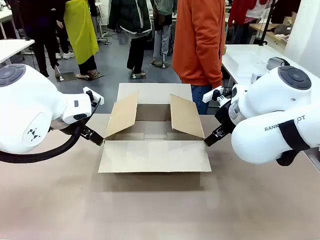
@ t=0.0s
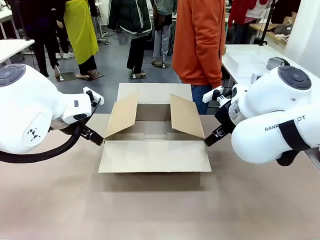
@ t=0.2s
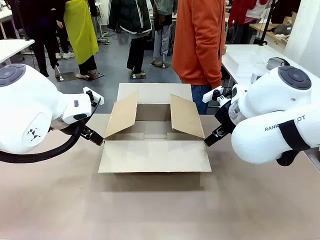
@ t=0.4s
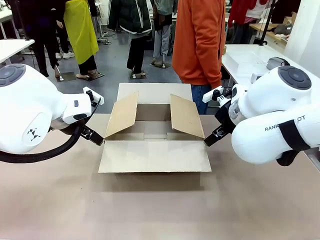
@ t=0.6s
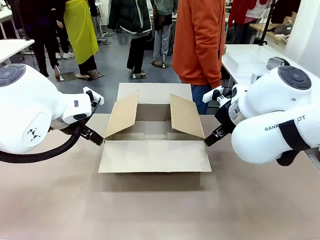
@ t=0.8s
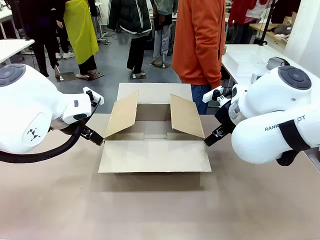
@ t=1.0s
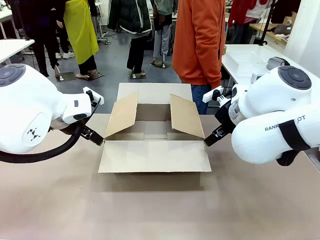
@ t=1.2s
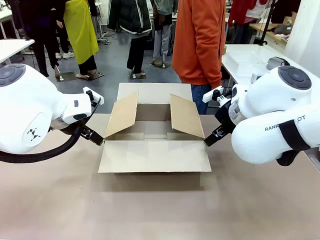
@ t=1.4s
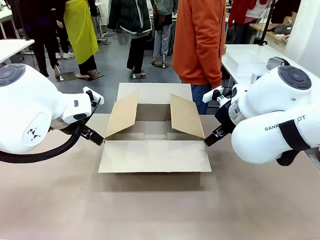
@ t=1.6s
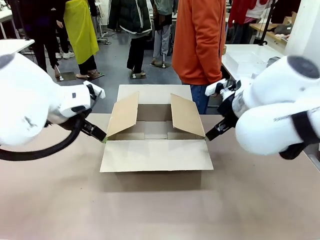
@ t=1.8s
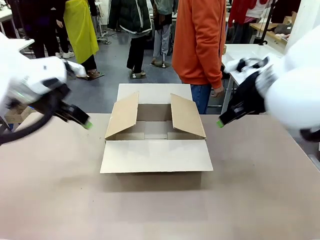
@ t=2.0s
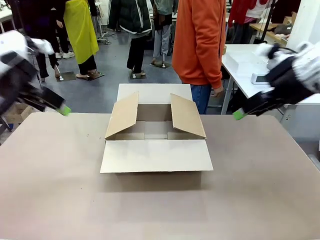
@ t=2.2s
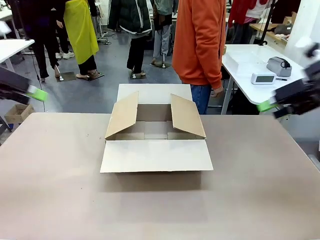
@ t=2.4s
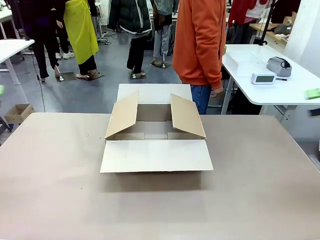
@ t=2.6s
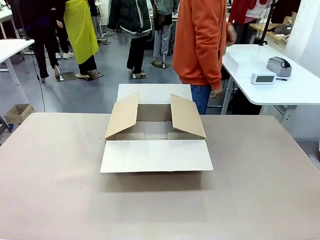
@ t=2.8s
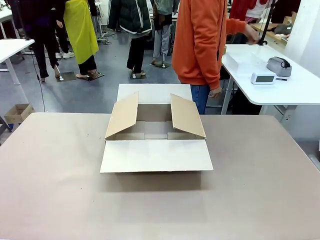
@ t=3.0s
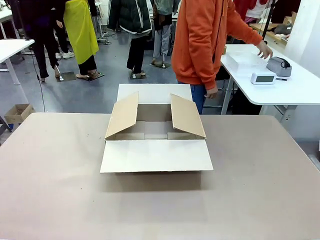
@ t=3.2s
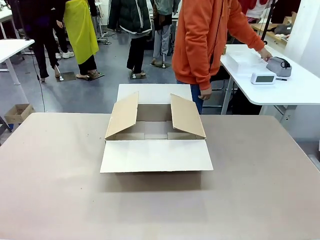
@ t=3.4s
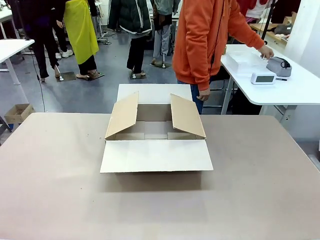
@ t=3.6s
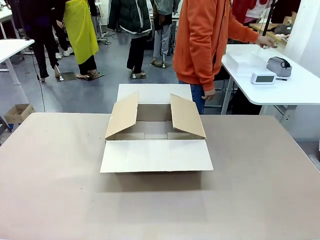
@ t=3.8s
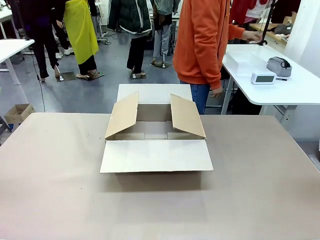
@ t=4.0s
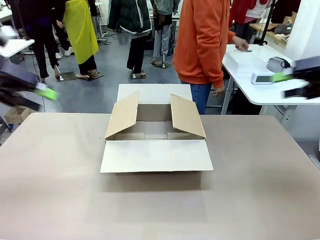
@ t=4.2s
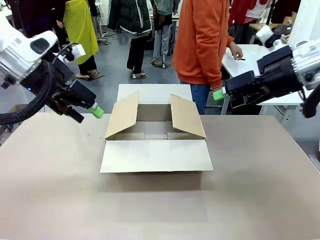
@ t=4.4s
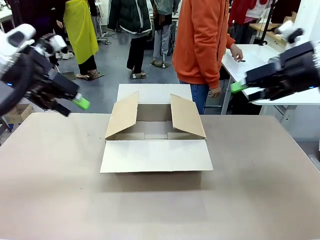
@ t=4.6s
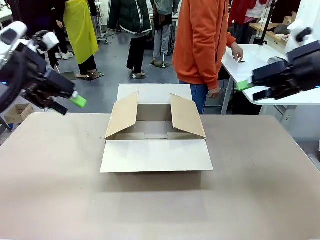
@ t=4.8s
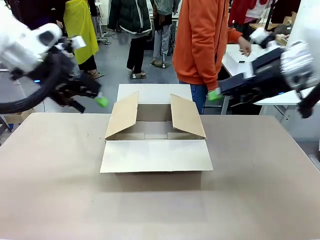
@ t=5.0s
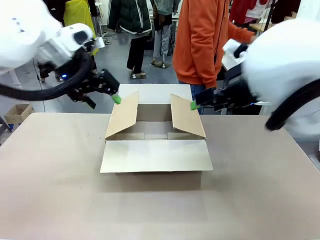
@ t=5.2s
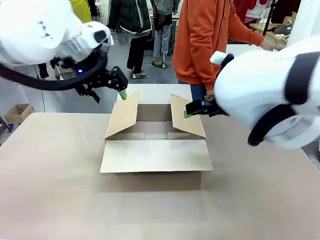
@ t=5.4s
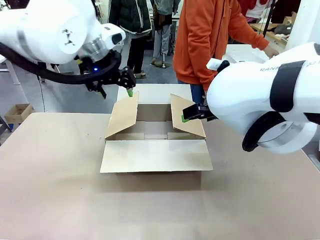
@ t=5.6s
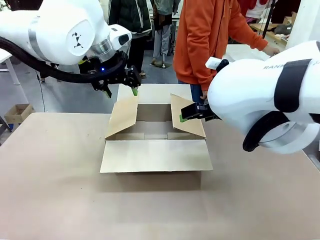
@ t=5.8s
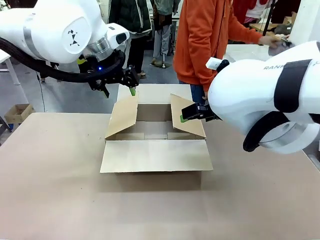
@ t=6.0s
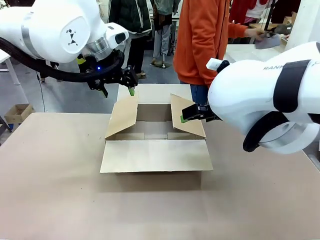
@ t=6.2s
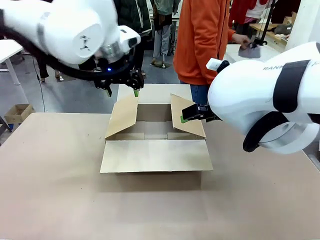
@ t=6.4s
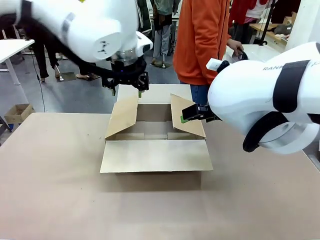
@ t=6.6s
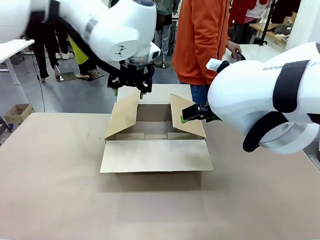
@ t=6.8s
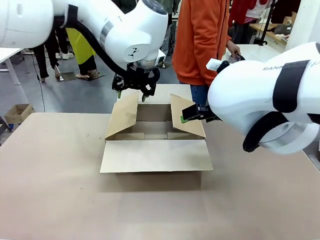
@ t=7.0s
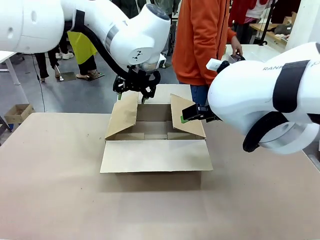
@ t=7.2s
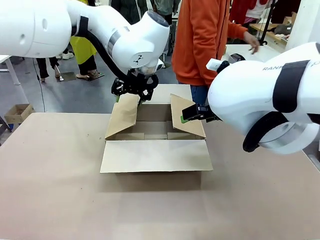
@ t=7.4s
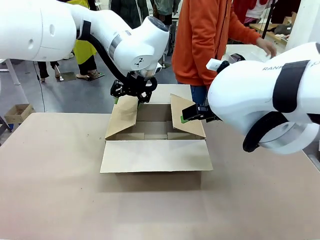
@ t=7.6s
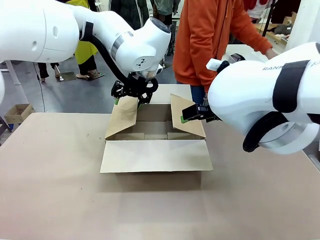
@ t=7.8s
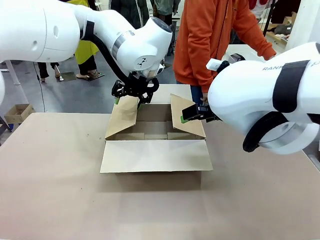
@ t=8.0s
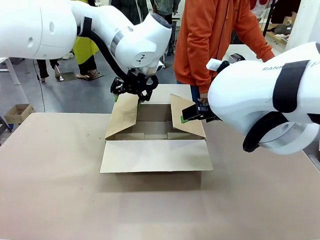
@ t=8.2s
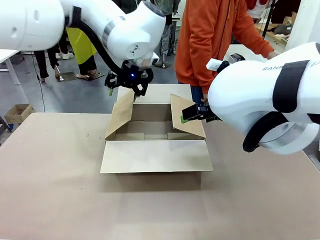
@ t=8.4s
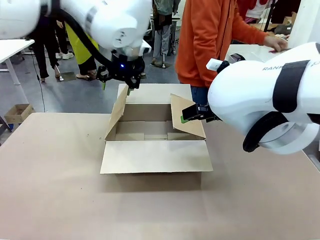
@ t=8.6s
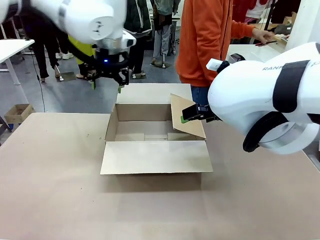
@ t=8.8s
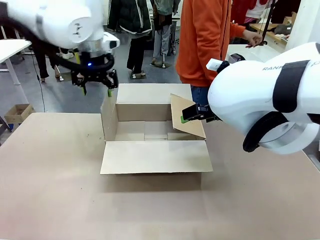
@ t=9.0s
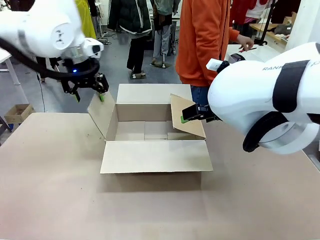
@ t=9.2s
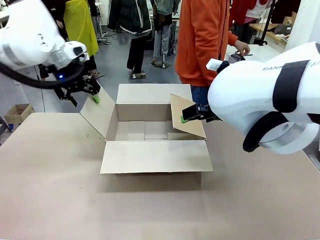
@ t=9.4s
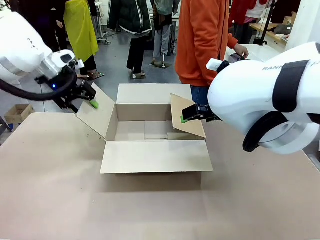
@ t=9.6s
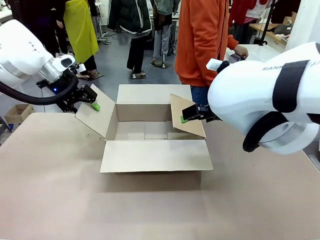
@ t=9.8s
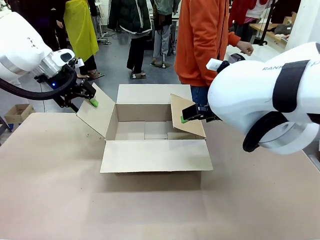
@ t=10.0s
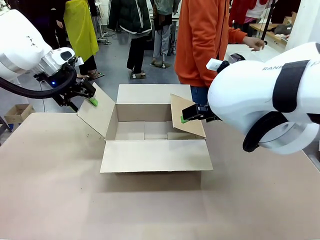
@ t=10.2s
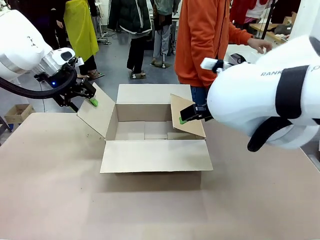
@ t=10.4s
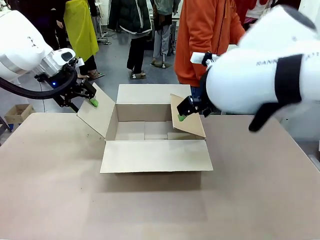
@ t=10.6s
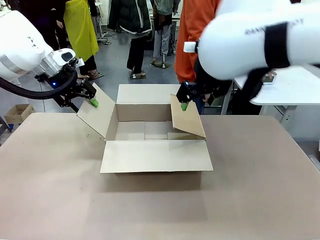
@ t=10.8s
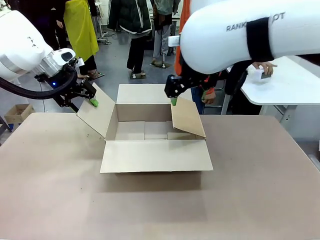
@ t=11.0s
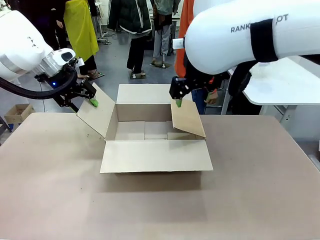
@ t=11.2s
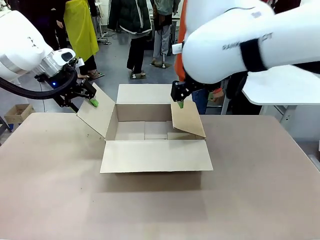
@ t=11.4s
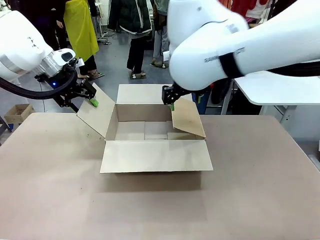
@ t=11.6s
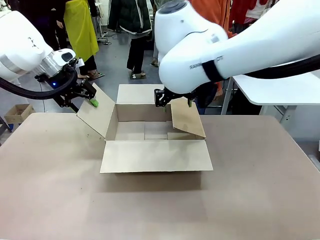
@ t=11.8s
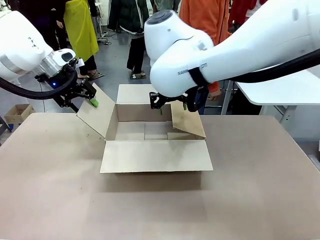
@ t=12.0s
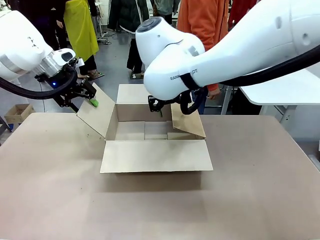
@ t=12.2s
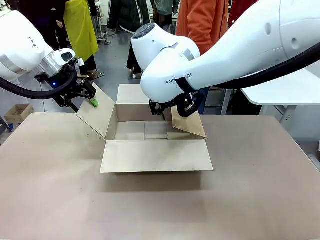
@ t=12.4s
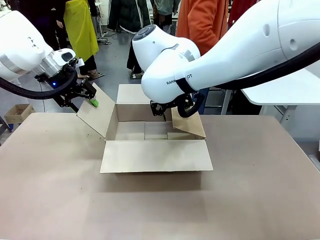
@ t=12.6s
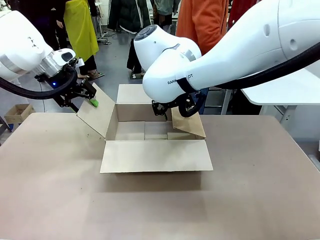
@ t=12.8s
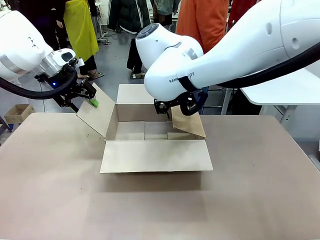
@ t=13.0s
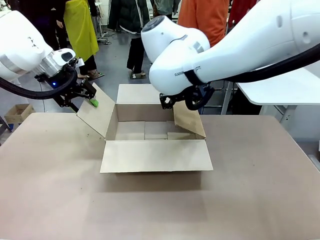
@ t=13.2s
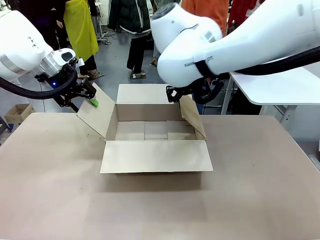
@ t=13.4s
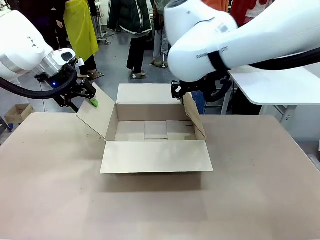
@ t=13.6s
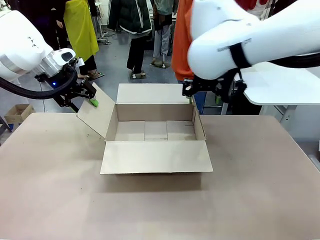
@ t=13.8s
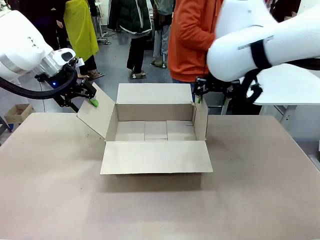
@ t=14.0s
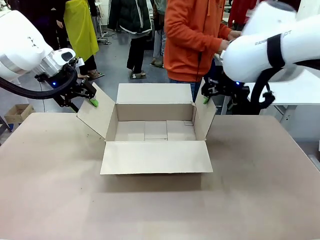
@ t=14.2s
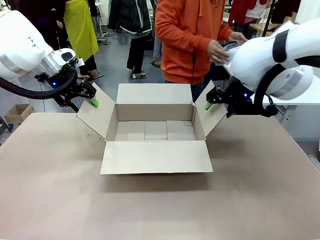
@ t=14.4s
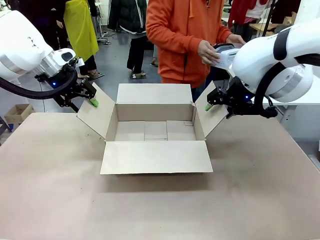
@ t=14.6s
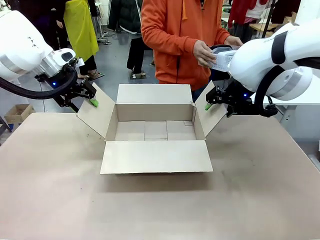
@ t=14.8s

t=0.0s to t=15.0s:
Task: Pack the gift set into the box.
Robot: Place both hands on the side flaps of the Package Box and spread them outward.
Person: The human places all items except the paper tape into the organizing basket.

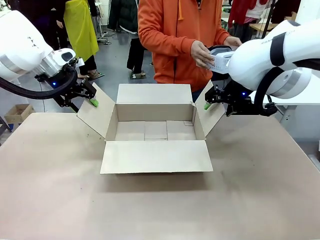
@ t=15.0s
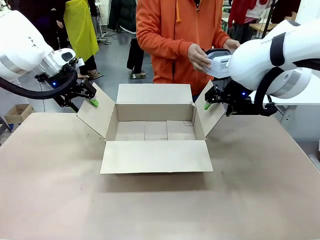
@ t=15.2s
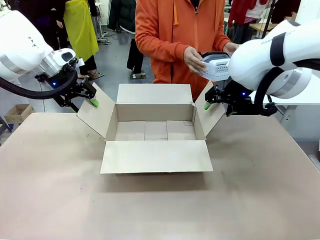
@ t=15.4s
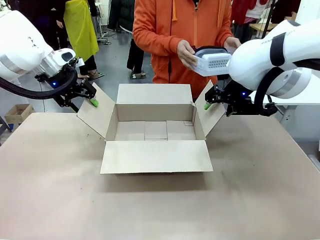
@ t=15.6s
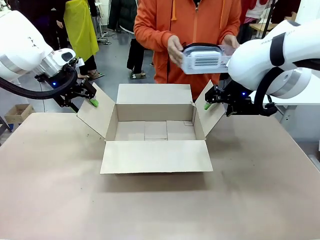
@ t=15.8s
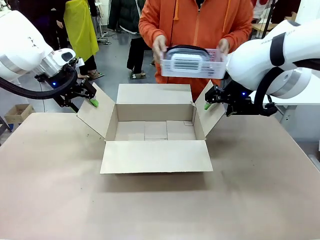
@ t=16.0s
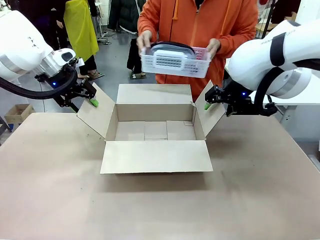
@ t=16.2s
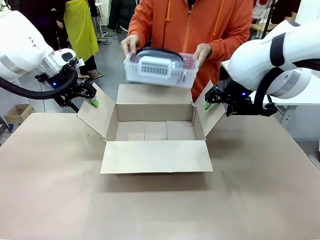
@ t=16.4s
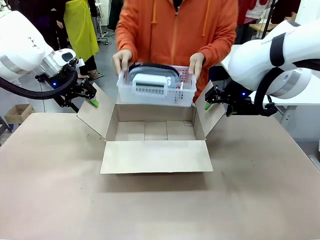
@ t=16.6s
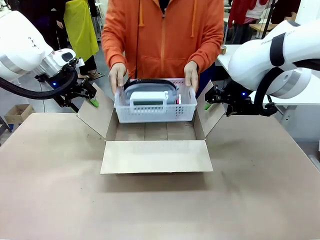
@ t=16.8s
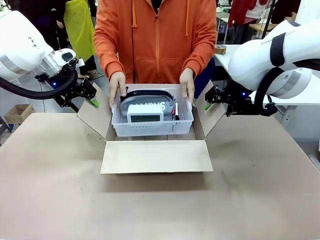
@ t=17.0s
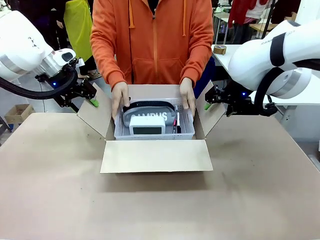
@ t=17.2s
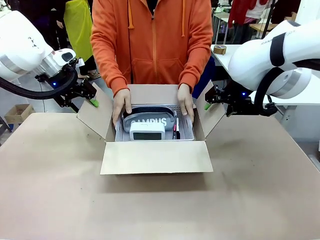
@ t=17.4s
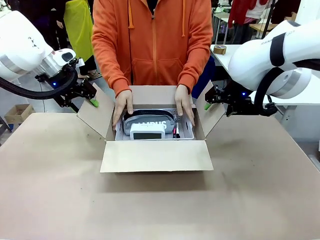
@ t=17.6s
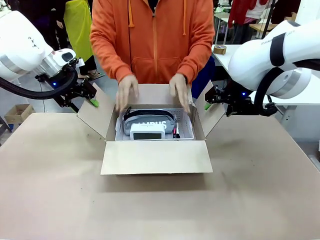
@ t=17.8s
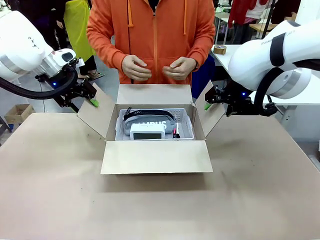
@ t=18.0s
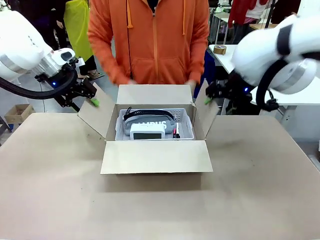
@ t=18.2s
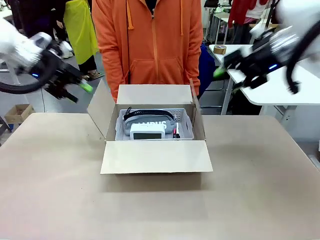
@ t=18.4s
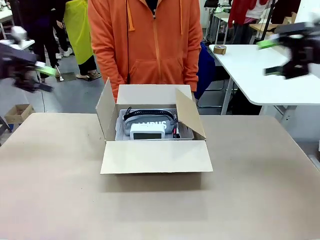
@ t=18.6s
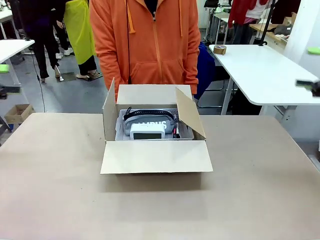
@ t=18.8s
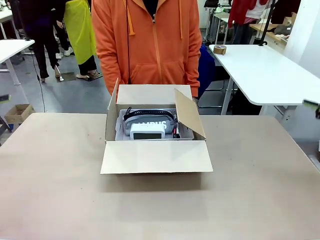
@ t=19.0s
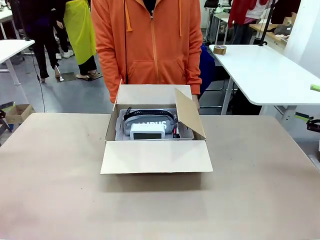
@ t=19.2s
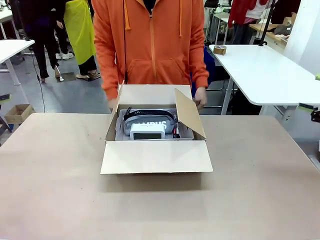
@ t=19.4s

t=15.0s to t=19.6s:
Robot: Lift both hands away from the flaps of the Package Box.
Person: The human picks up the organizing basket and places the organizing basket into the package box on the robot table.
